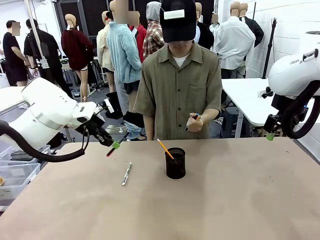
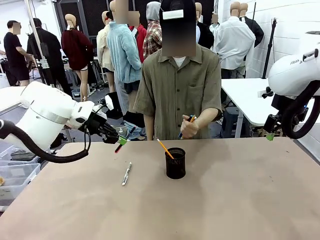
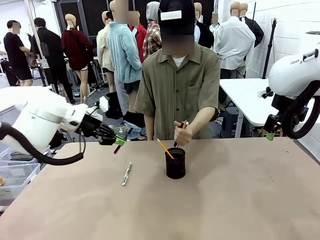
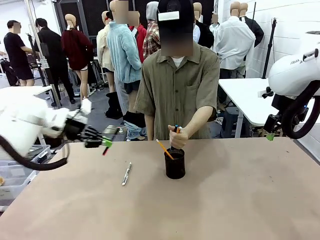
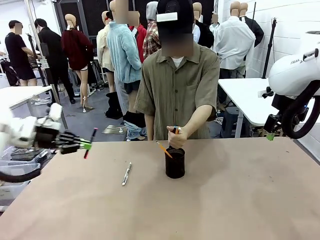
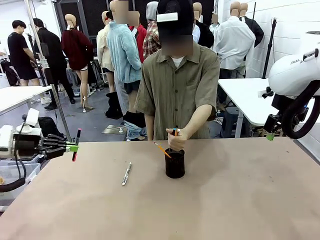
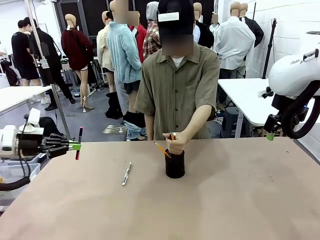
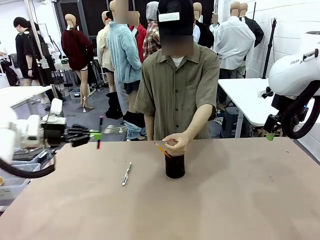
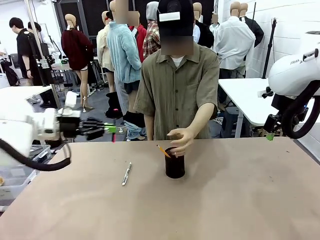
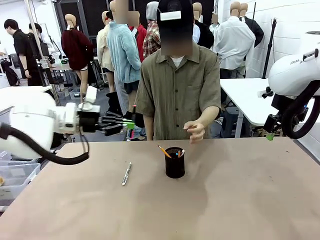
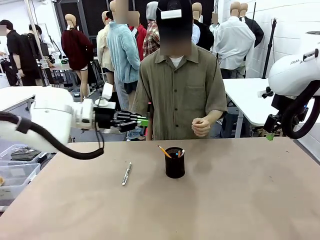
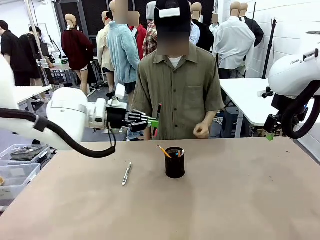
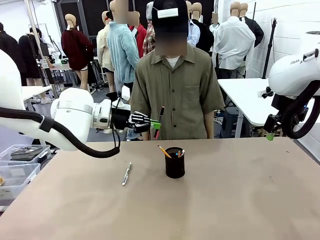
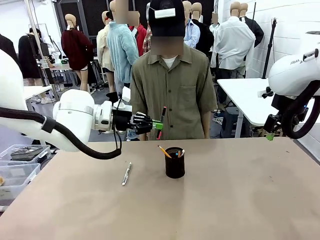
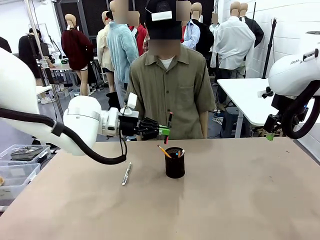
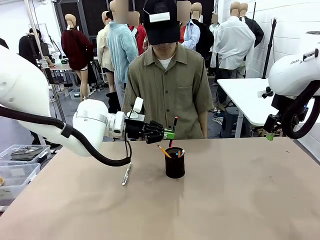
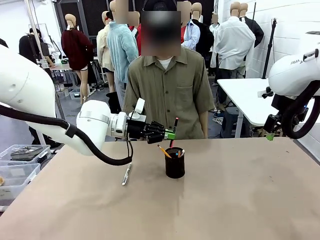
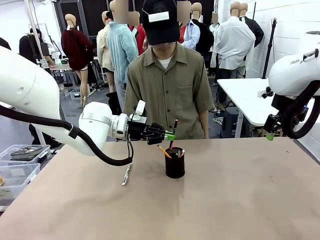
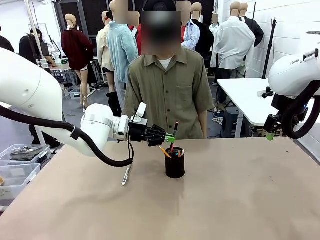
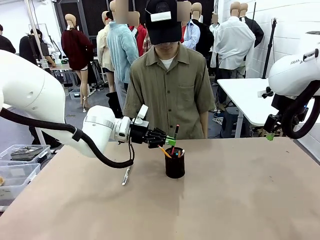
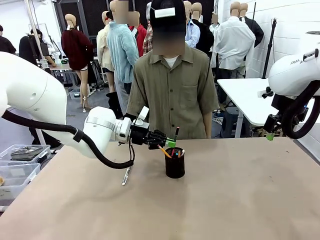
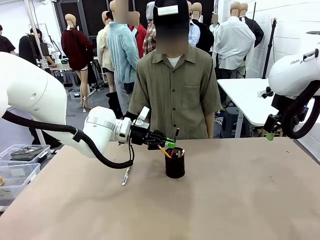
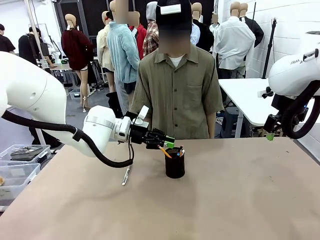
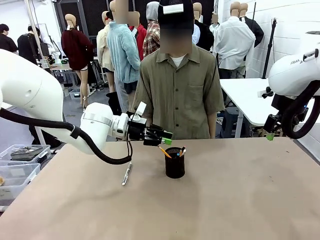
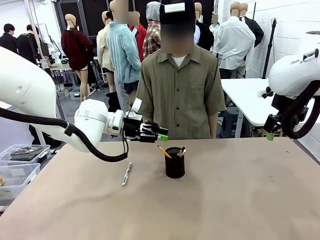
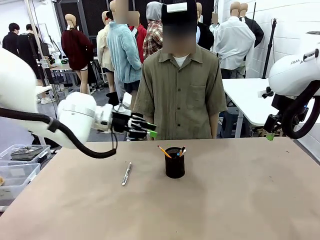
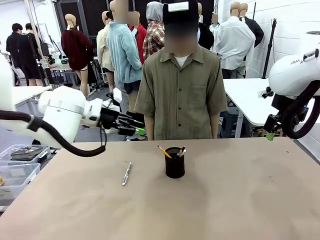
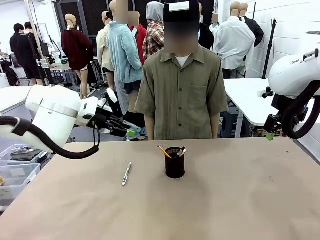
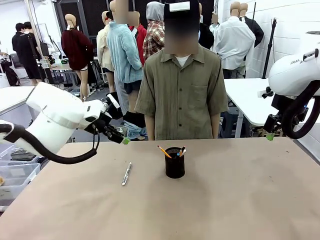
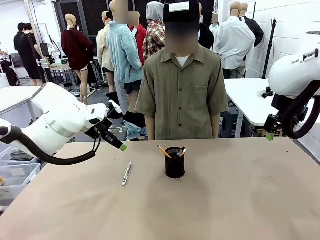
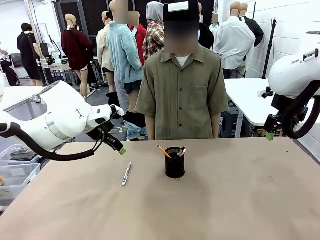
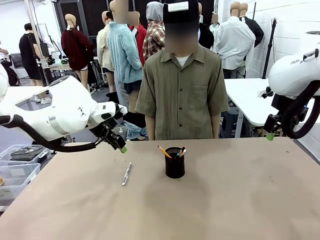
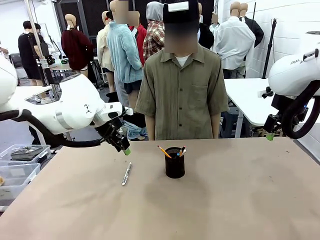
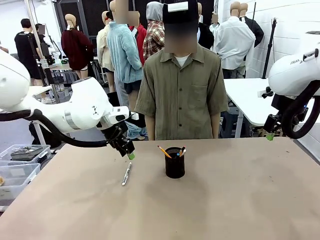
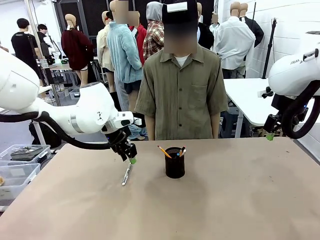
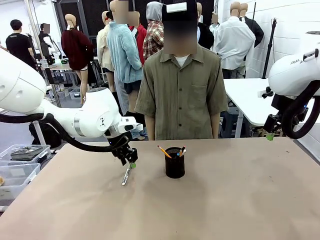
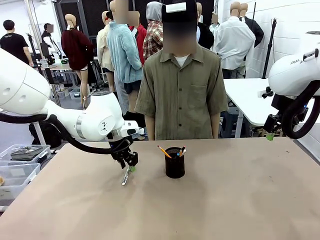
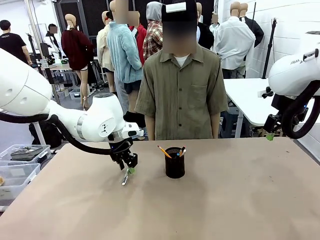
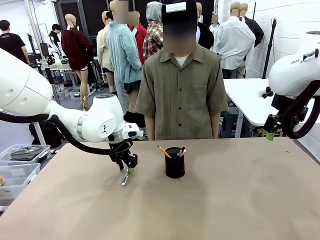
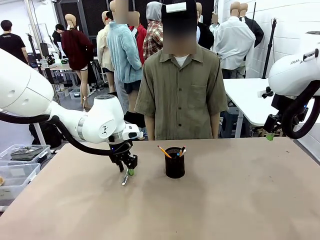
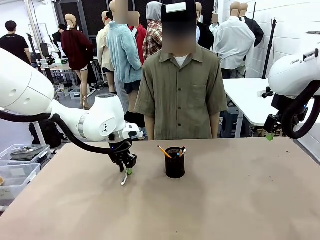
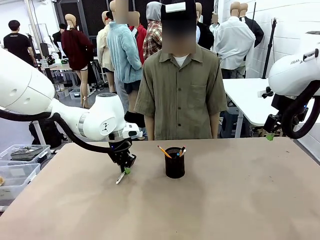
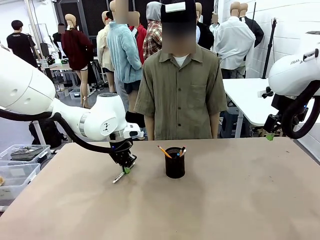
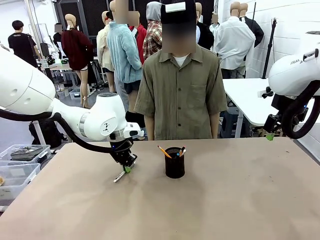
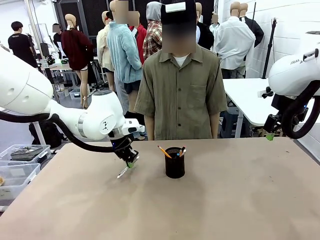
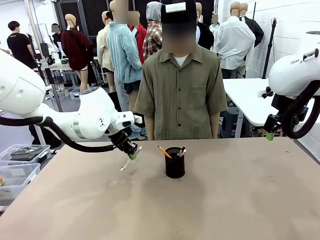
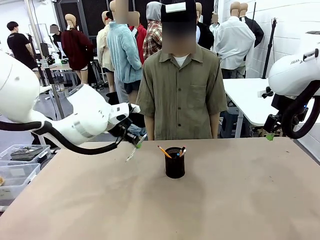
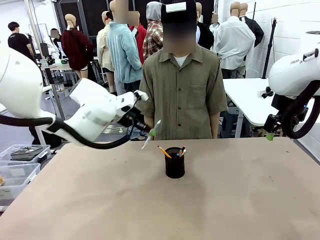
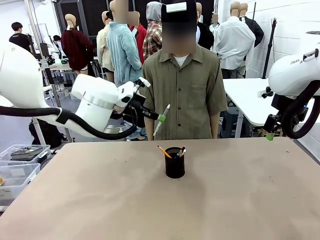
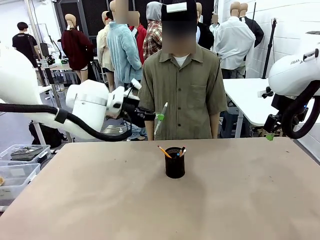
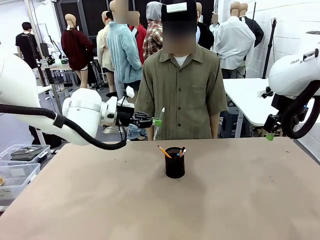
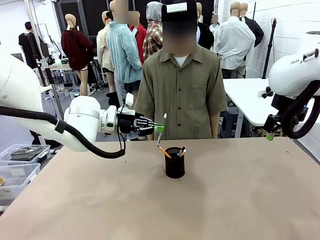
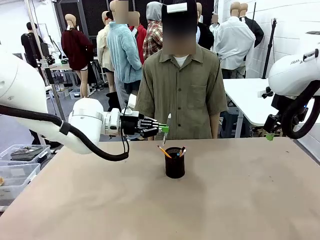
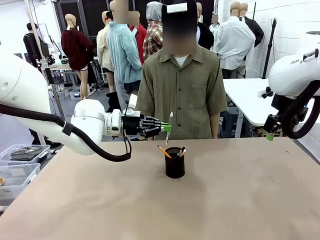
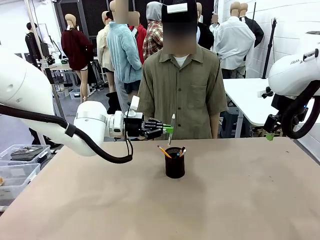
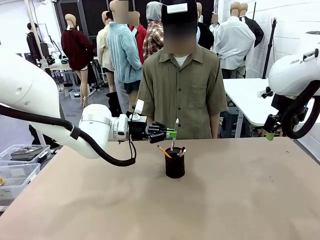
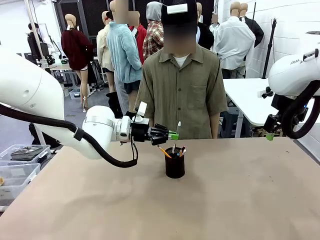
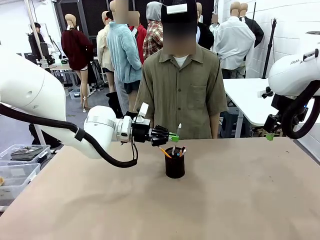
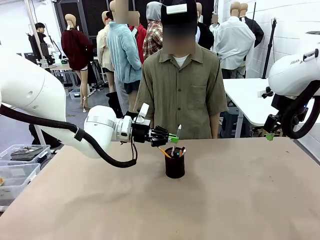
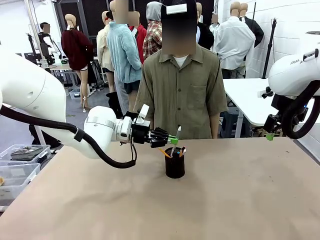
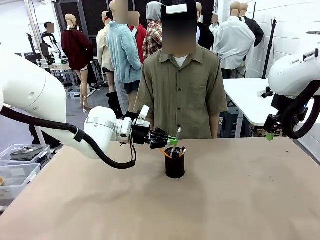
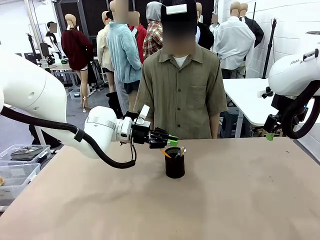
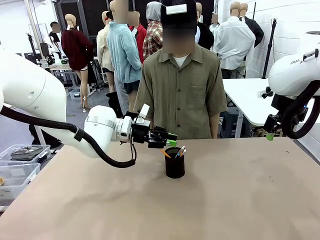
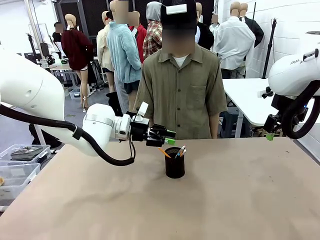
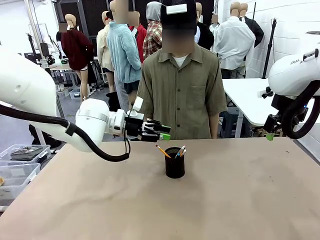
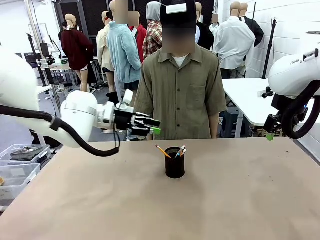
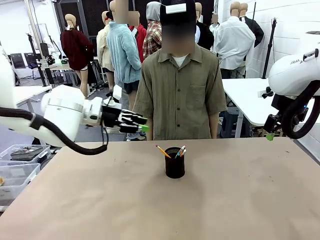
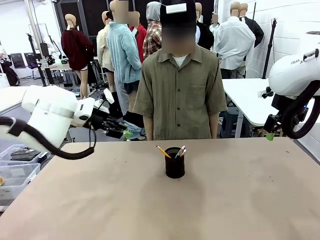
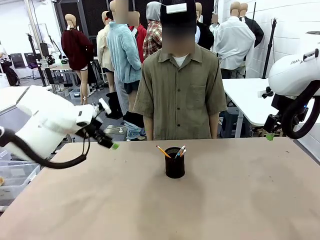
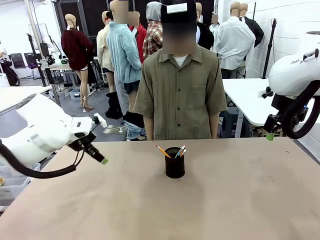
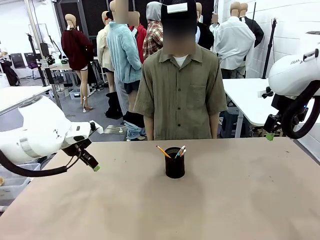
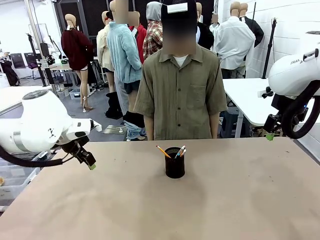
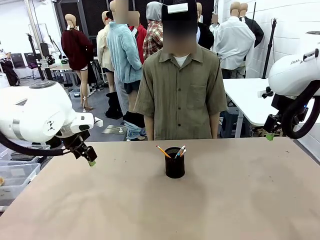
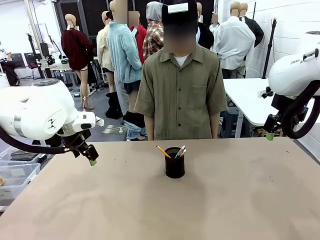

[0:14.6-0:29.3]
Task: Place the pens into the pen holder.
Robot: Pick up a writing instrument from the table and place it into the Pen holder.
Person: Place all writing instrument into the Pen holder.
